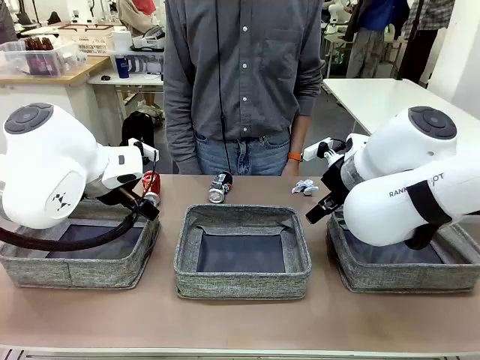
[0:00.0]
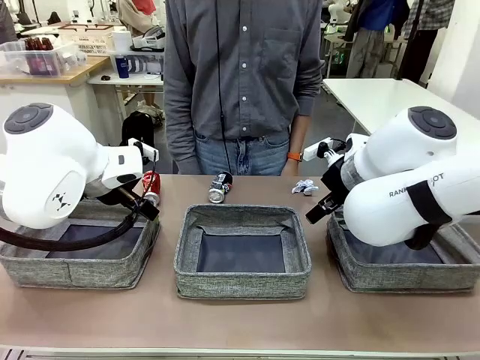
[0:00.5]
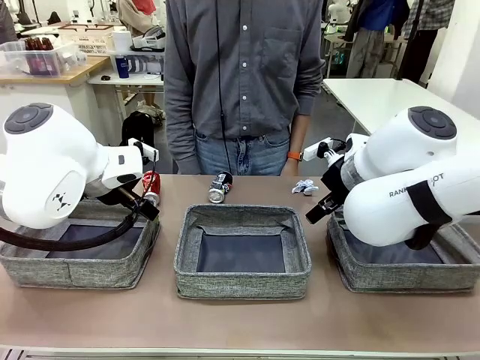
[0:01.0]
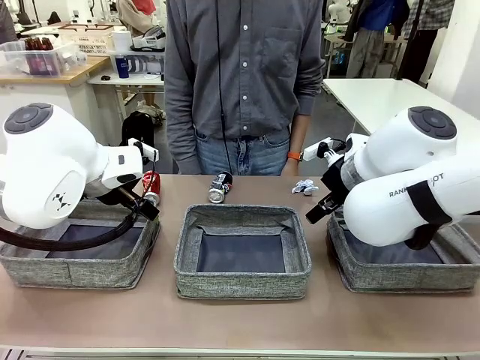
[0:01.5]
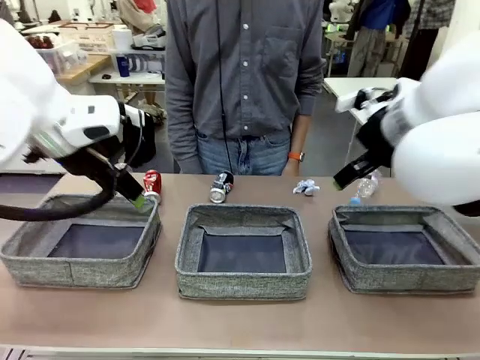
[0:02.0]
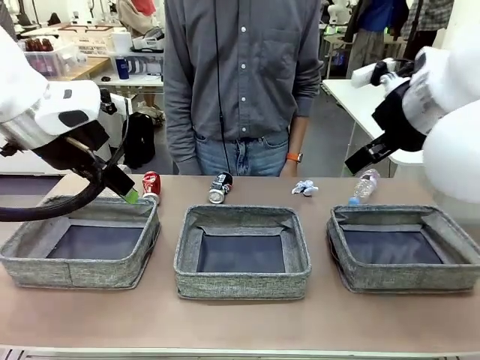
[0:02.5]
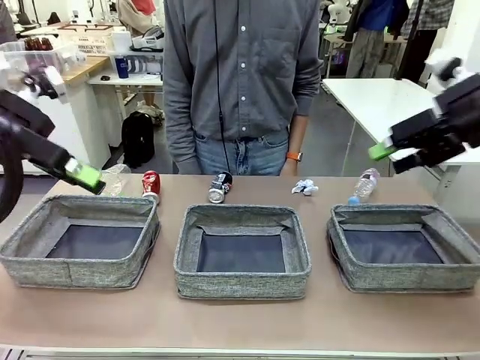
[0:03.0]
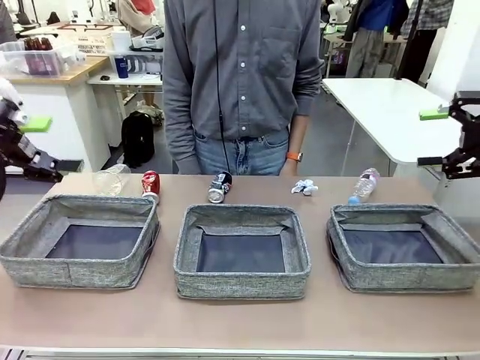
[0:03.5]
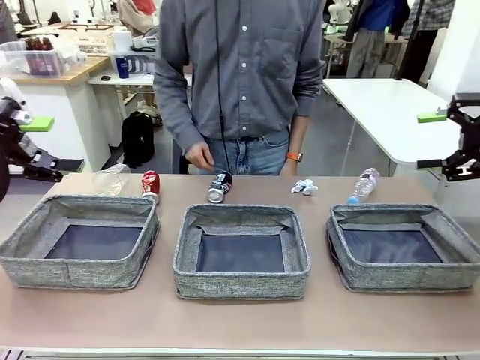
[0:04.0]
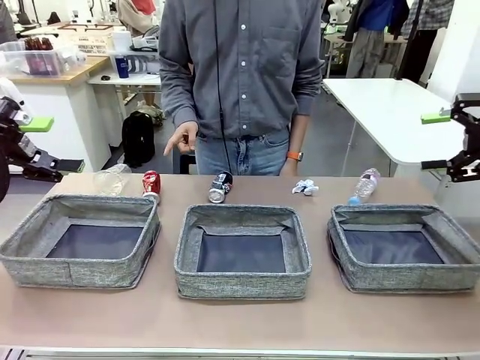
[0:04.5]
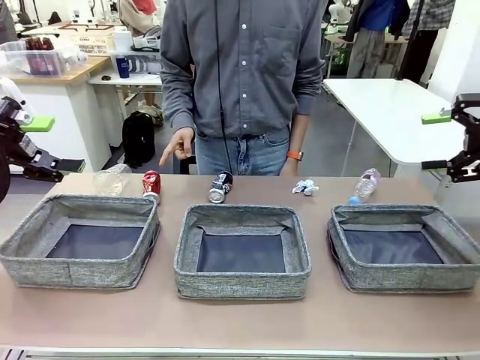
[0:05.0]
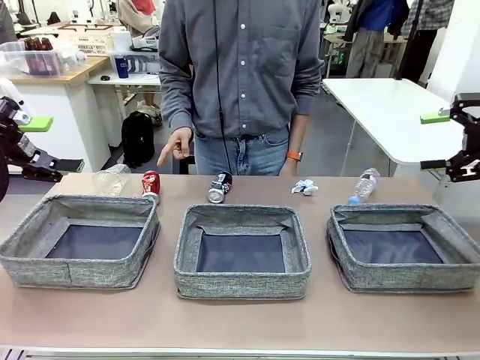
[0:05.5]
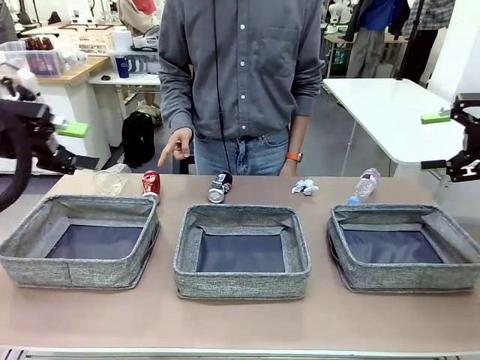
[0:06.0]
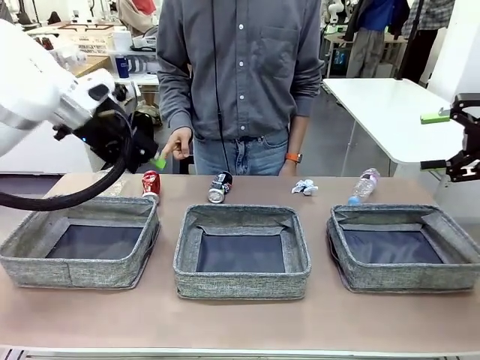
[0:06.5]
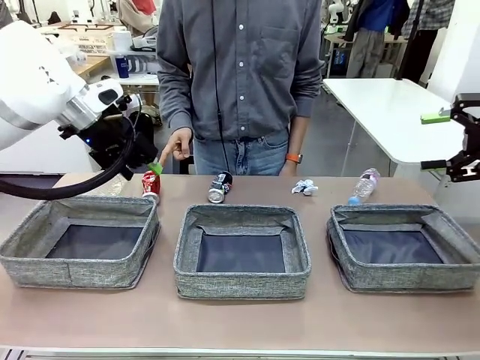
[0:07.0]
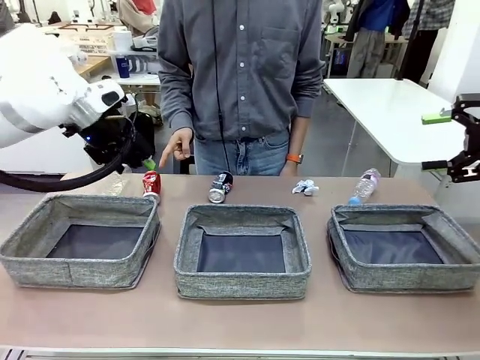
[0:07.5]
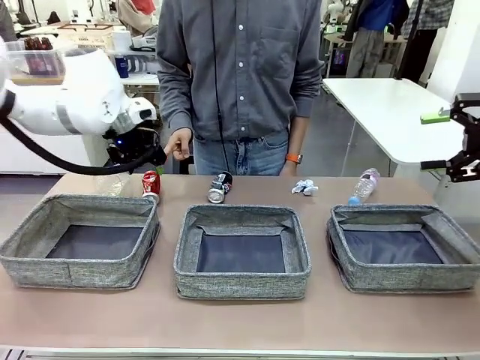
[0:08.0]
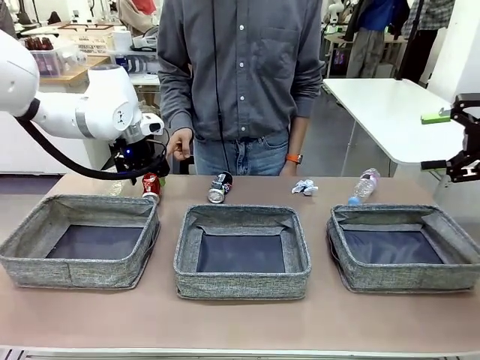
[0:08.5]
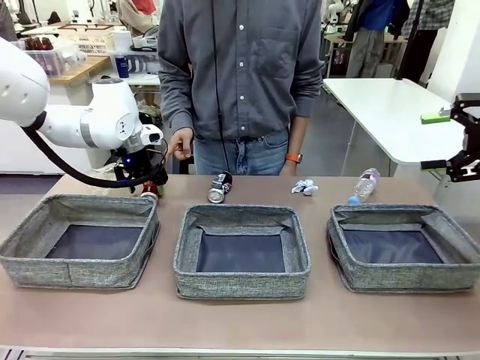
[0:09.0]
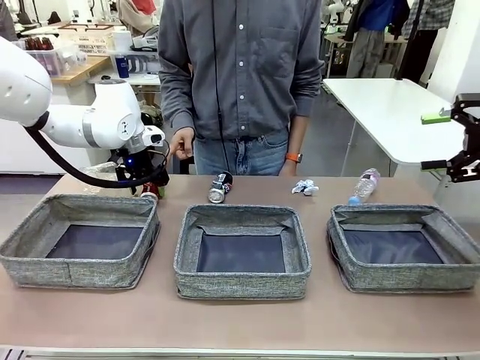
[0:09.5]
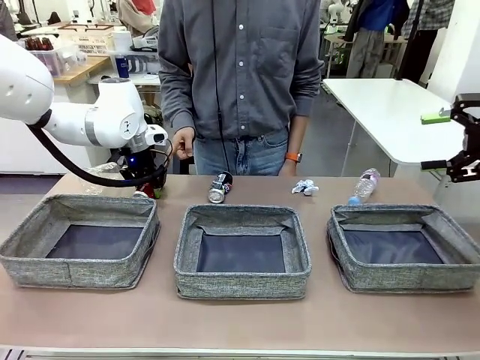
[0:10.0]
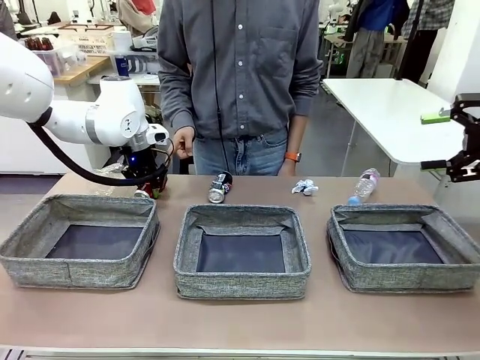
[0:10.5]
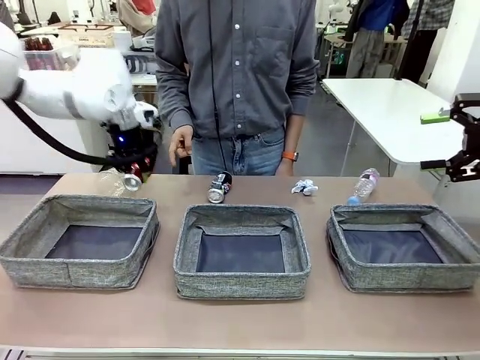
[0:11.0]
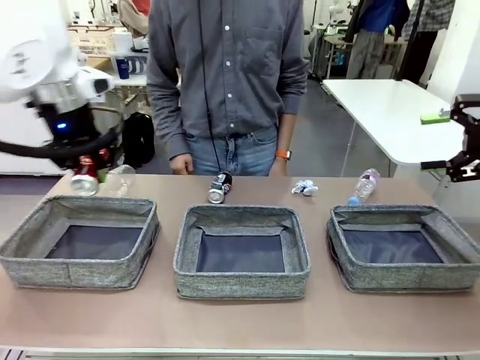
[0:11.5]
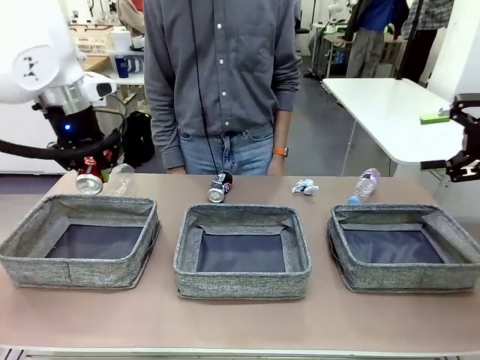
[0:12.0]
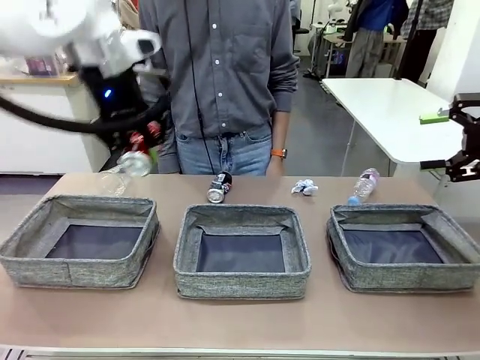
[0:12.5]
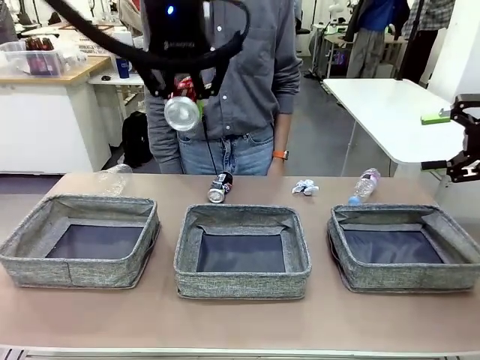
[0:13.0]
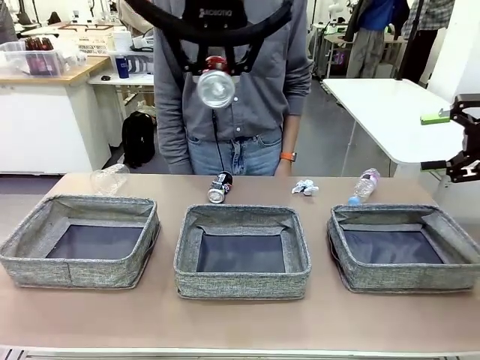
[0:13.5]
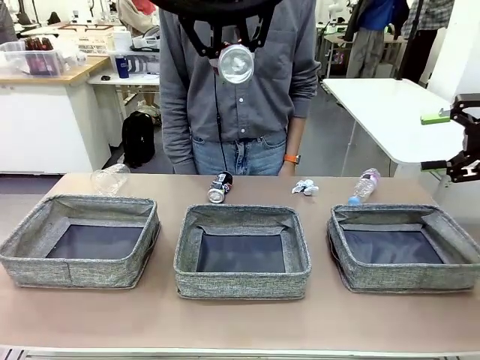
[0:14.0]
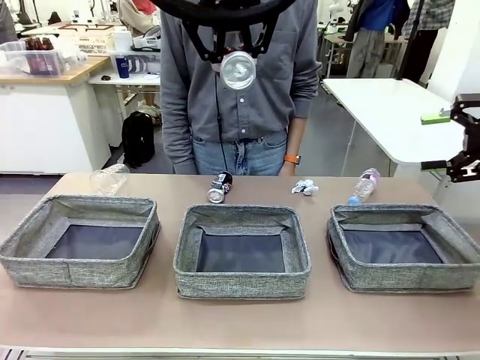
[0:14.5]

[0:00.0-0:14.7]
Task: Sort the waste into the appropriate baskets.
Robot: Pick up the waste item pointed out by the person.
Person: Points to one piece of trash on the table.

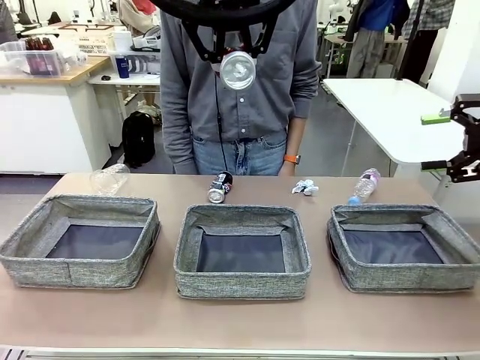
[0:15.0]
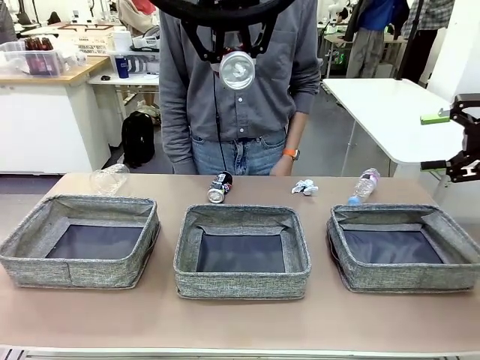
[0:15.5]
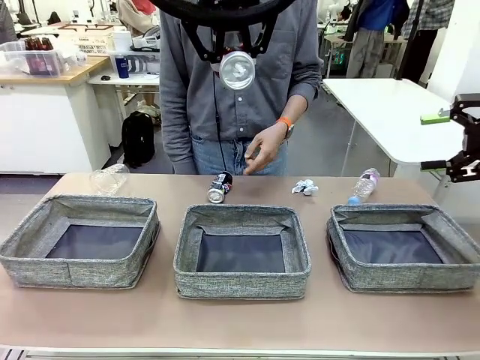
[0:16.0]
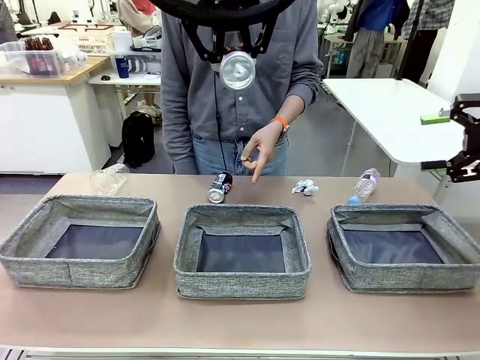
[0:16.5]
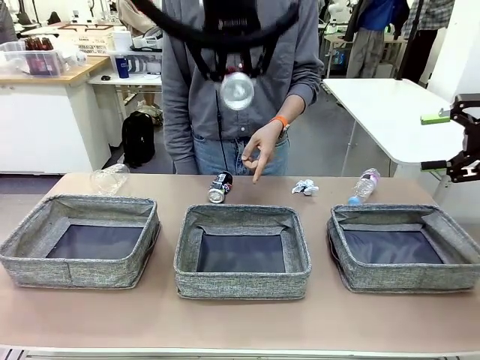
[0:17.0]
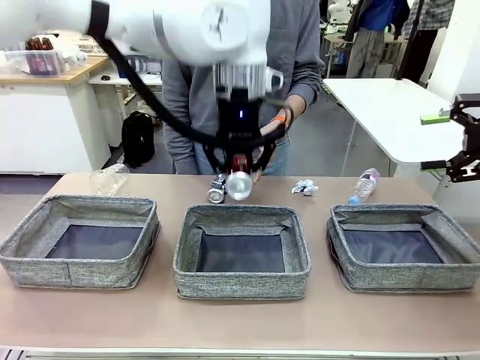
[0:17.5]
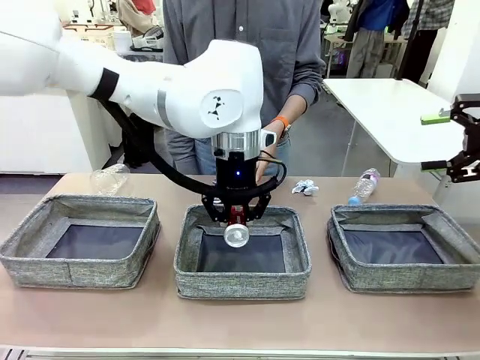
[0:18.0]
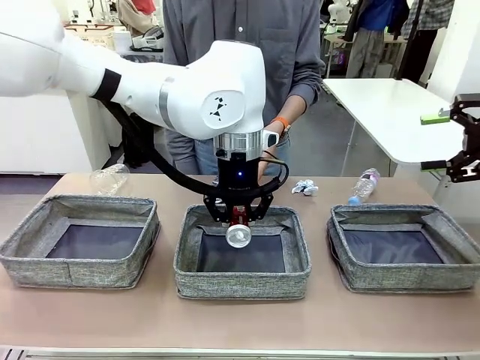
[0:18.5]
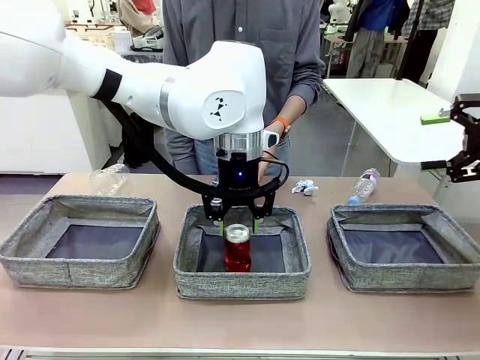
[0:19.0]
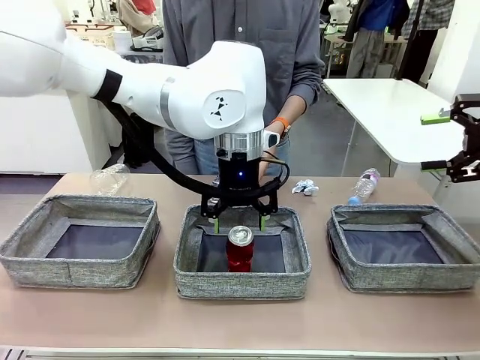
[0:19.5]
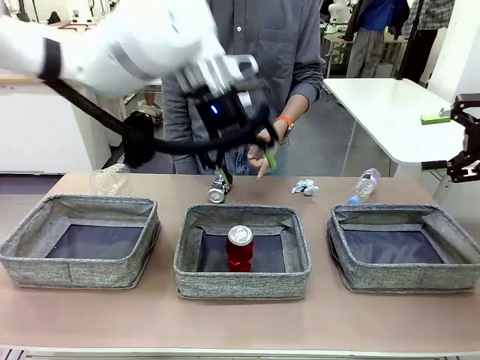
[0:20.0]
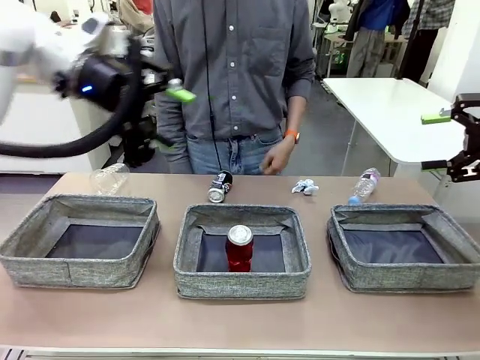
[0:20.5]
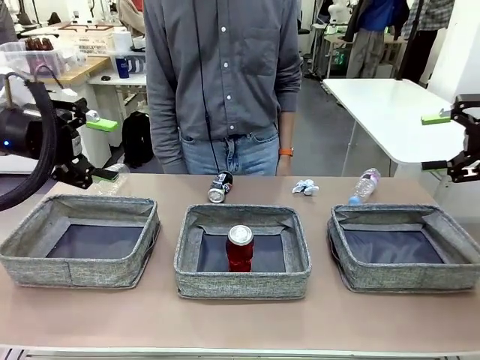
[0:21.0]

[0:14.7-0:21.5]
Robot: Place the picked waste into the Fabric basket indicated by the person.
Person: Instructs the robot to place the picked-up trash into the appropriate organizing basket.

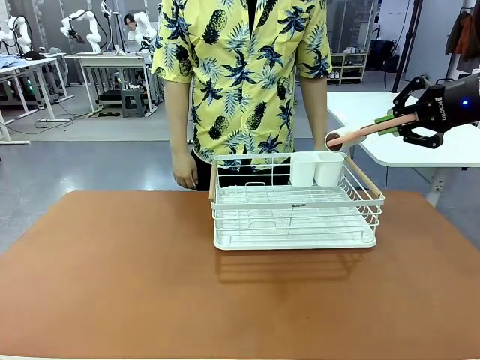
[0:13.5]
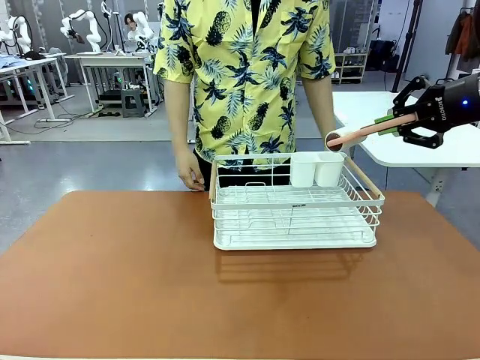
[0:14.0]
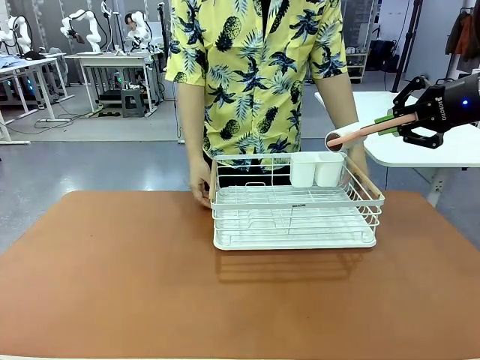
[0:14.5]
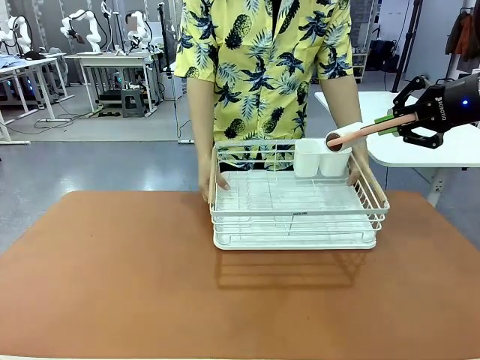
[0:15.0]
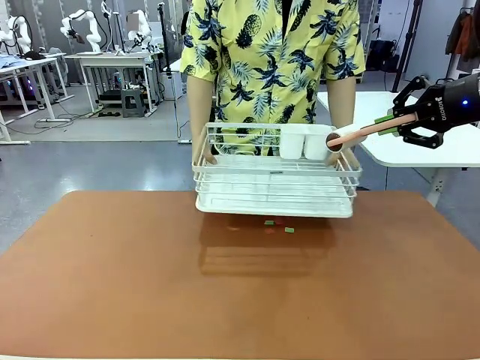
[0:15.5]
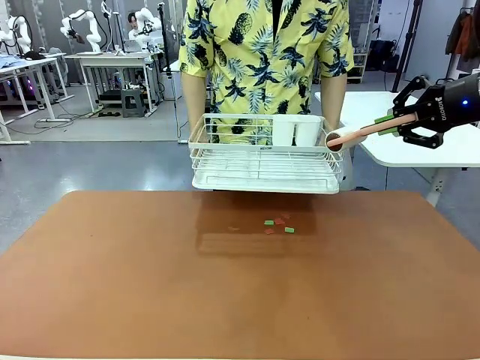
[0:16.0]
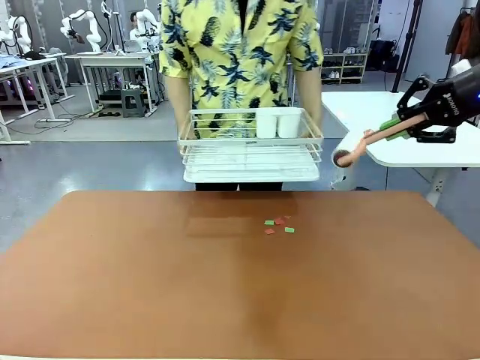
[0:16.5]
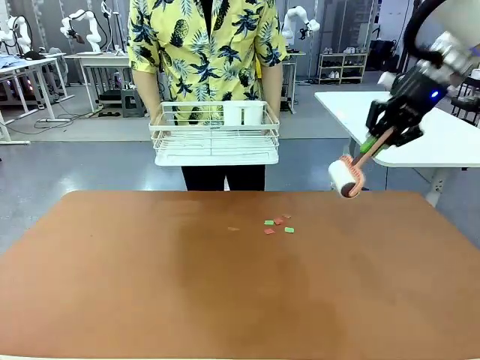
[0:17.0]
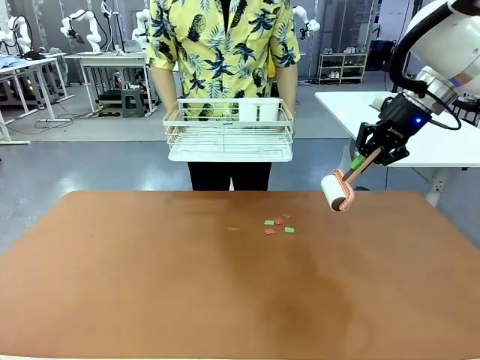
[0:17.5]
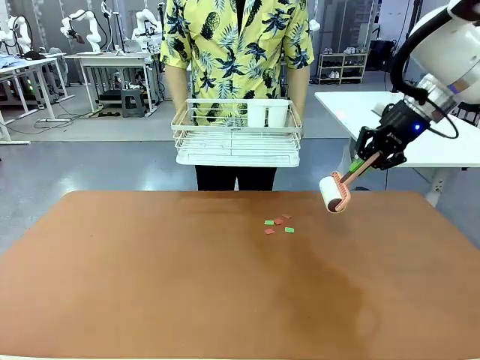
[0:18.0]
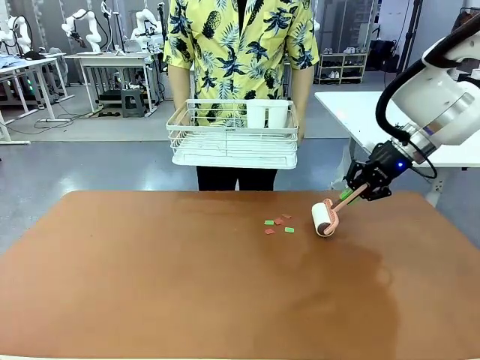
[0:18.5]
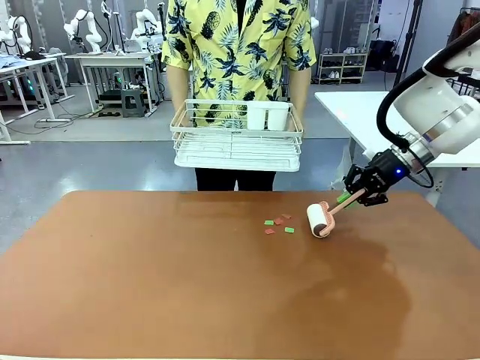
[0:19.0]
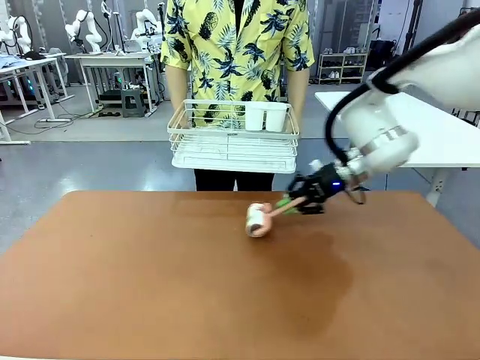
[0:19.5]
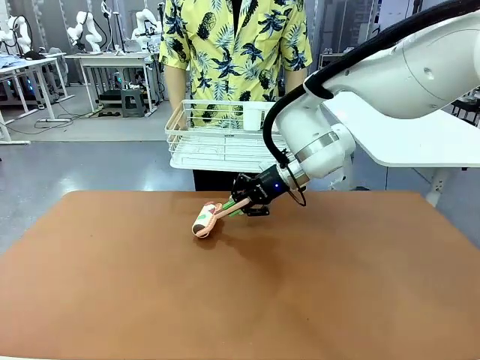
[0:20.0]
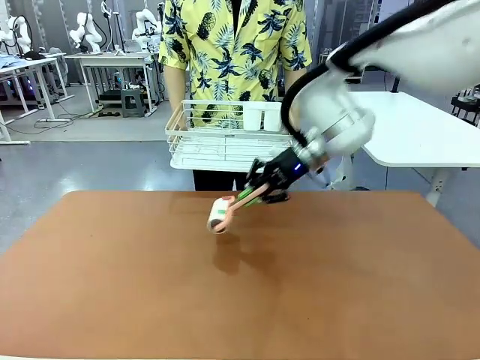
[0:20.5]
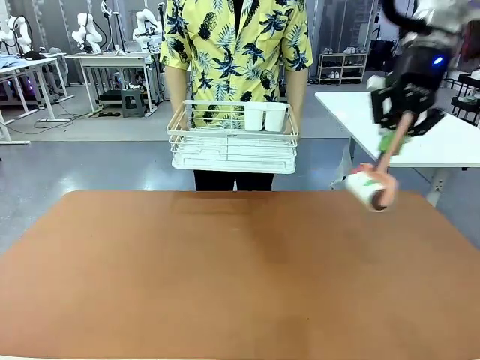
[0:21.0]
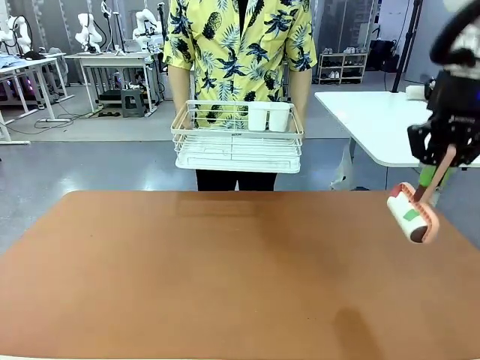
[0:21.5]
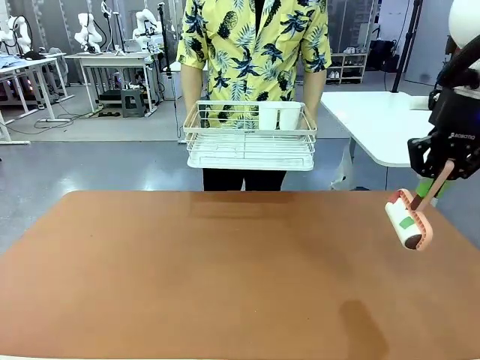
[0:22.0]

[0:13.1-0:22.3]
Task: Clean the table.
Robot: Clean the table with the Lint Roller when the human lifts the Dish drying rack.
